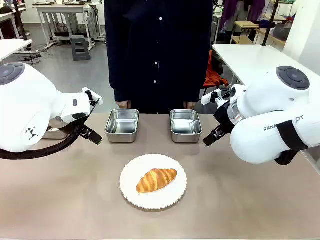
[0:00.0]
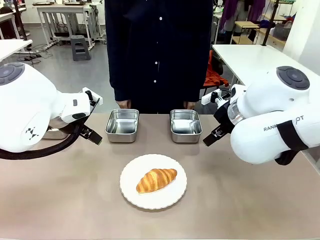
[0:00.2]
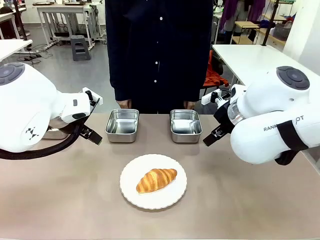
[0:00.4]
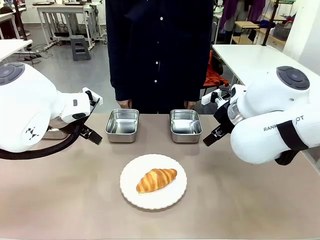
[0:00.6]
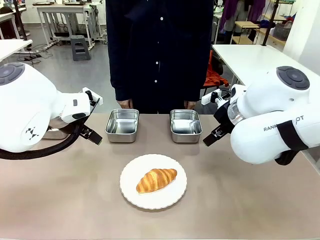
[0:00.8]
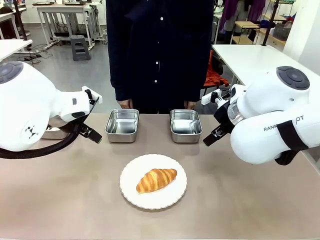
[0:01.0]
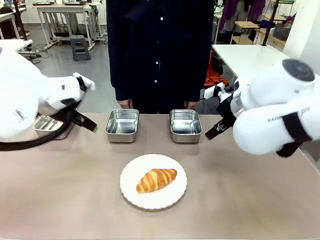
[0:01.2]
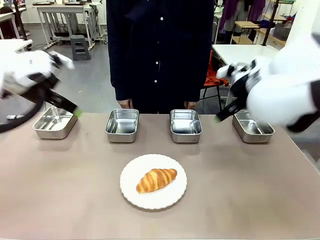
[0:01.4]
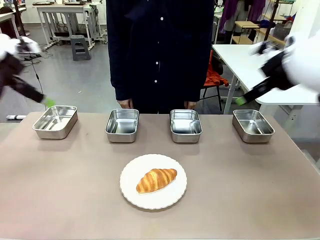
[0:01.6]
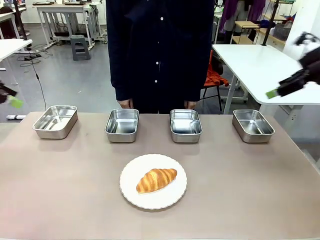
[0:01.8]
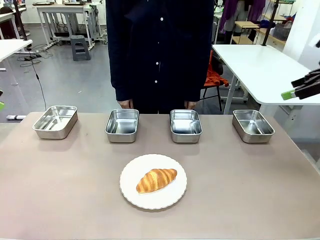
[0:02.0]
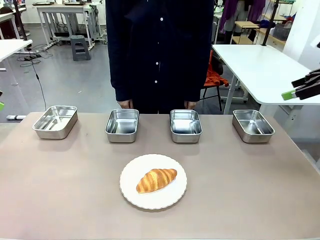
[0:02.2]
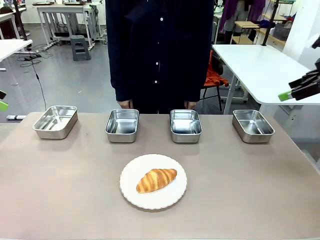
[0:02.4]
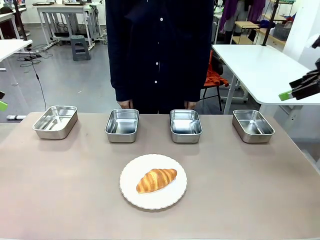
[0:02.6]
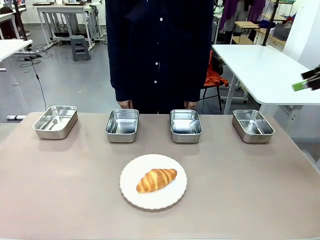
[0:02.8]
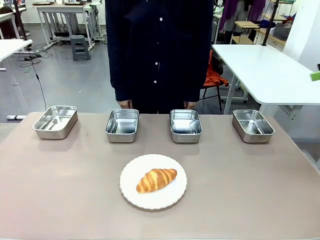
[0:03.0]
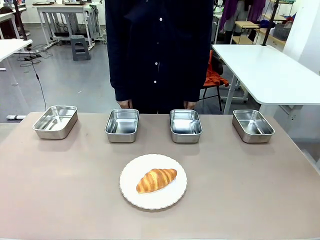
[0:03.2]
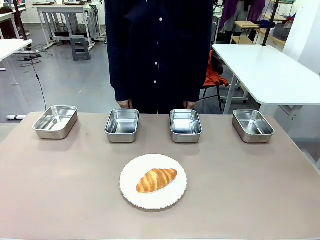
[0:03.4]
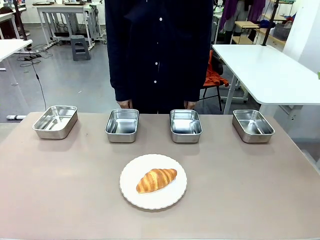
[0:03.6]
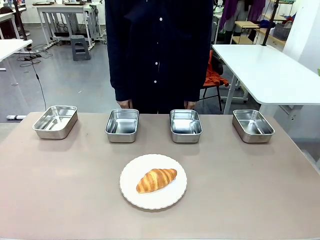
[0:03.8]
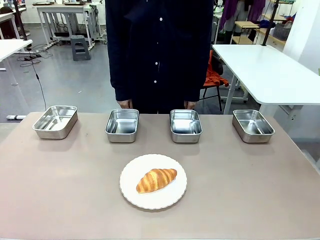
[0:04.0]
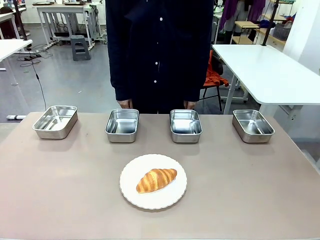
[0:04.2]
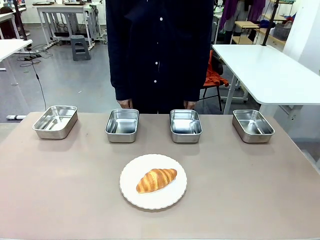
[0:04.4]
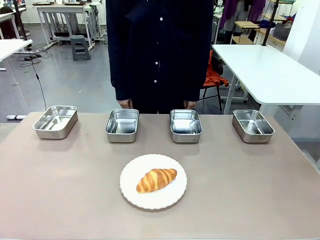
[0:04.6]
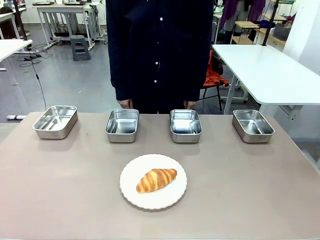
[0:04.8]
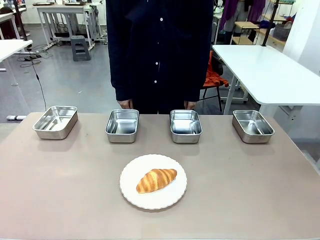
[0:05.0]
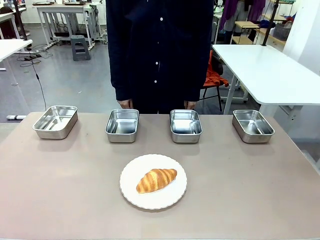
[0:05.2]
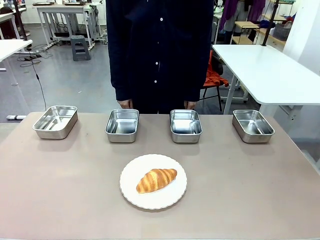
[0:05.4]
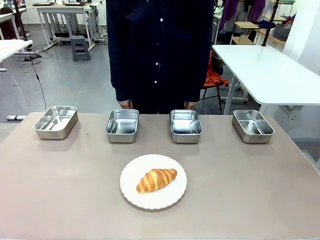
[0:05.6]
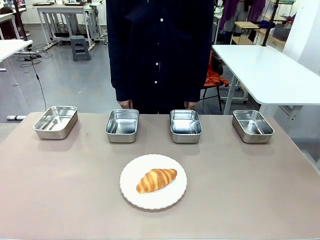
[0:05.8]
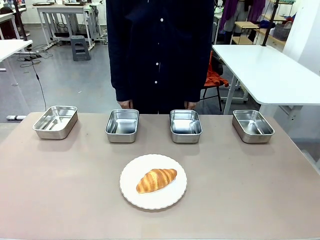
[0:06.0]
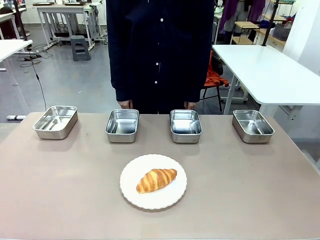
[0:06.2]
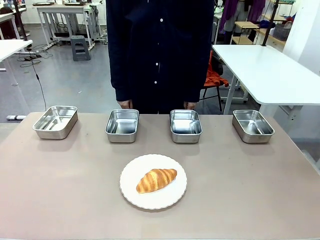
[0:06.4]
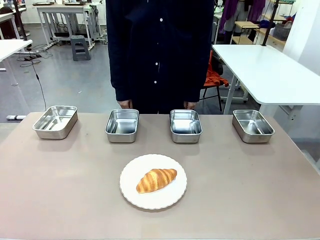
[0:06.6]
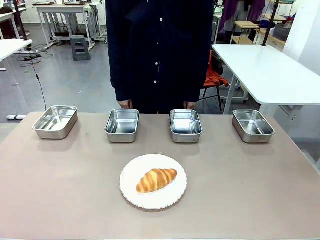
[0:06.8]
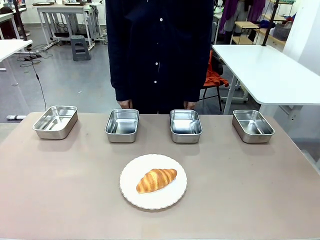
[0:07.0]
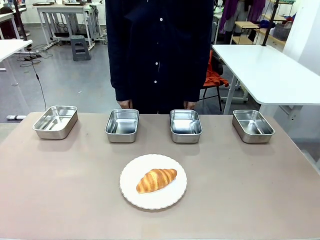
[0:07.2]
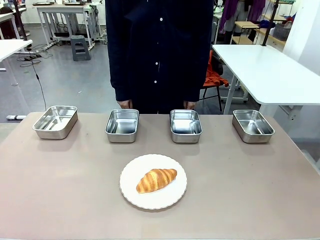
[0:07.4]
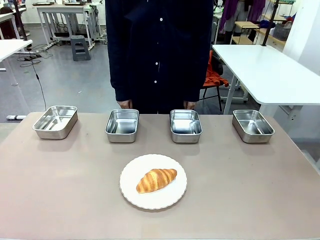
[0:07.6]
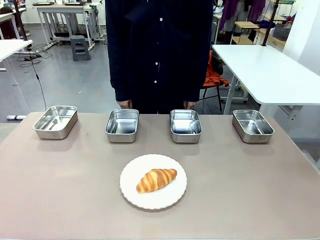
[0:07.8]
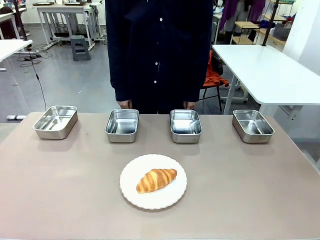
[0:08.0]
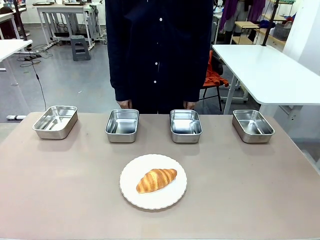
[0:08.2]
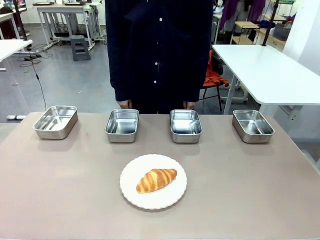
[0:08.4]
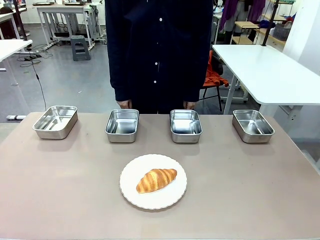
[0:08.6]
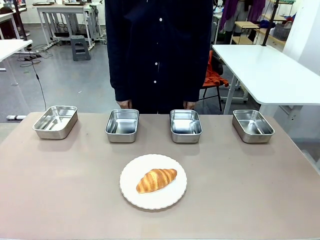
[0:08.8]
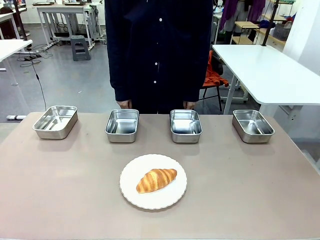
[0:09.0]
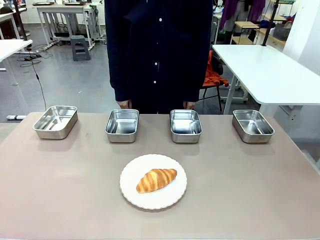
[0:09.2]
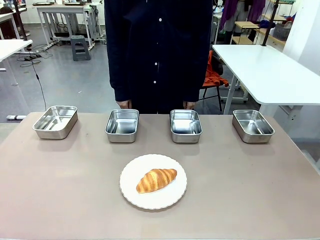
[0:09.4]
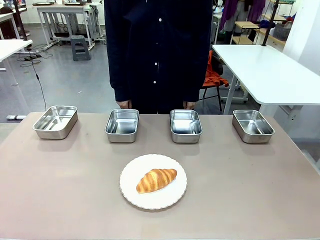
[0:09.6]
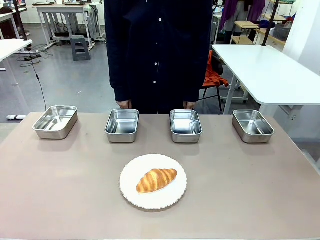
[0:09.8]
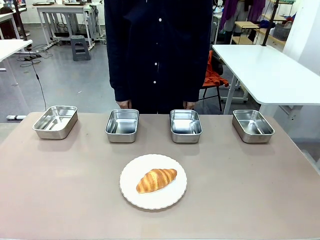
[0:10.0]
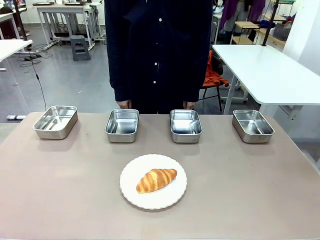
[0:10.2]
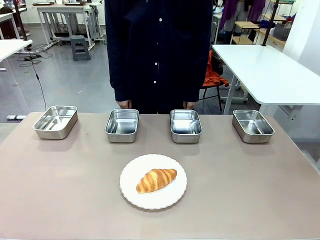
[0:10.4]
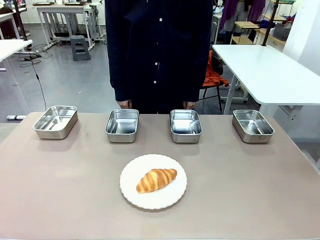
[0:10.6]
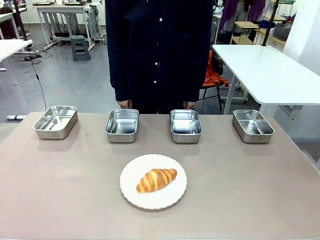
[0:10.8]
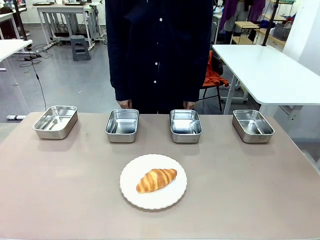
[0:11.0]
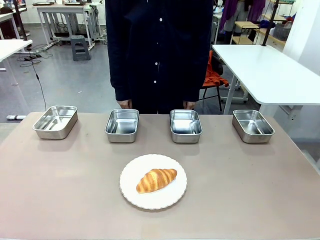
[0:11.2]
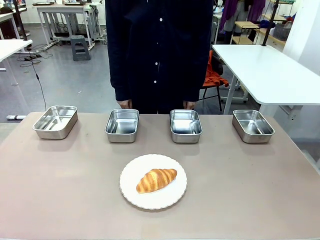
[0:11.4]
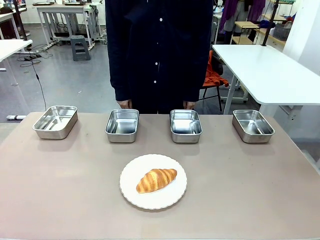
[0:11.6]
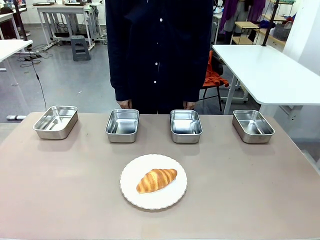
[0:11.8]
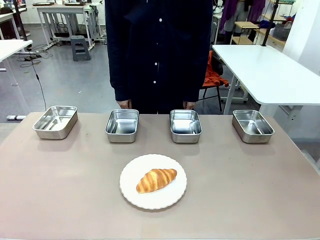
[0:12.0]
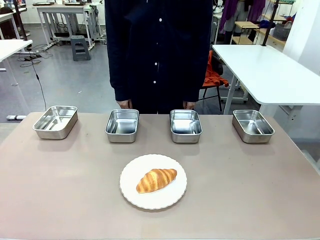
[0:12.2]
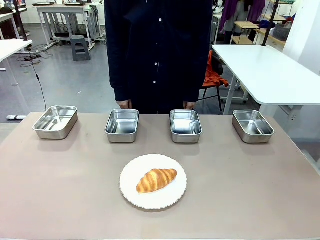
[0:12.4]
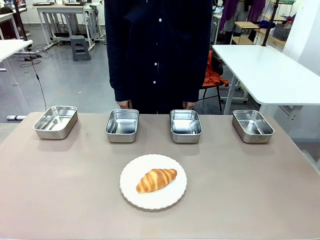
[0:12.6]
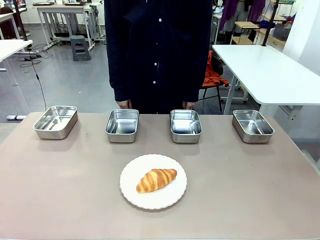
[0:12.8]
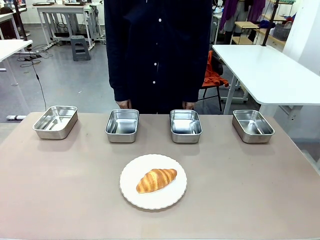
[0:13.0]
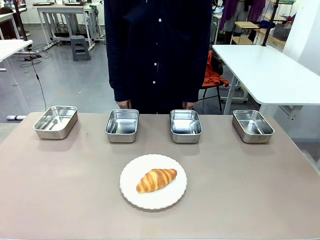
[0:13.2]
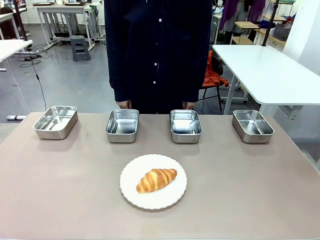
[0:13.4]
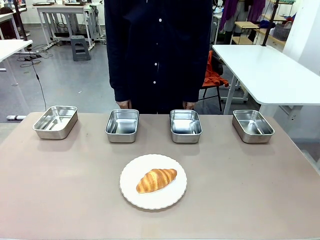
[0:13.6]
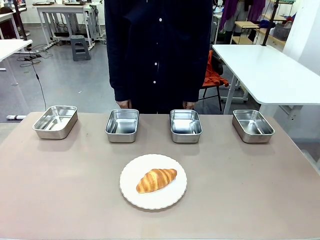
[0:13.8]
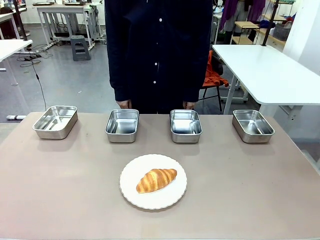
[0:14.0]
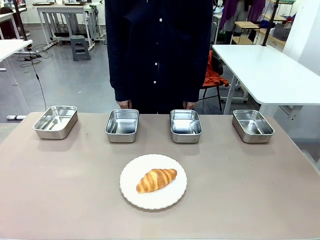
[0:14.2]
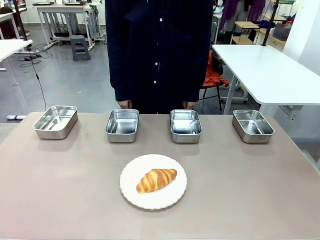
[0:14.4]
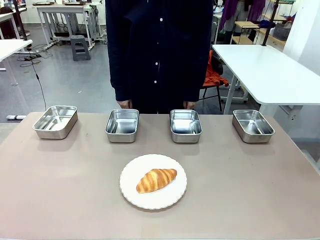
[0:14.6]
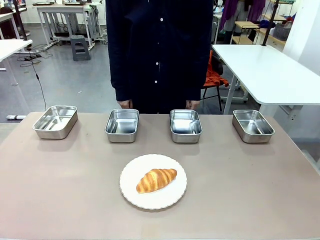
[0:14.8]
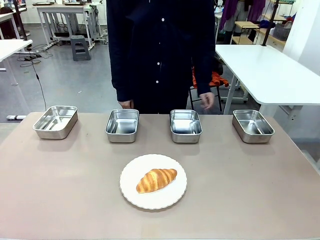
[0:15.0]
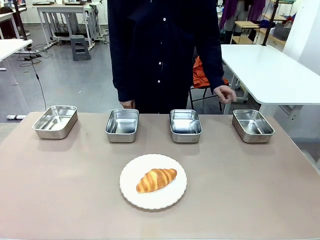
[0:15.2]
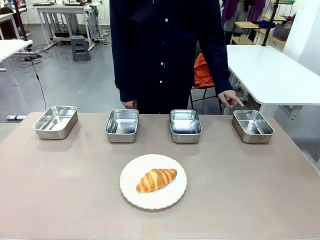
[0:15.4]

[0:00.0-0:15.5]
Task: Place the bread in the container.
Robot: Place the Butter Roll into the Airtight Container indicated by the human.

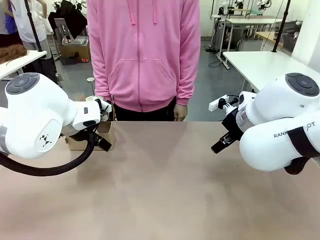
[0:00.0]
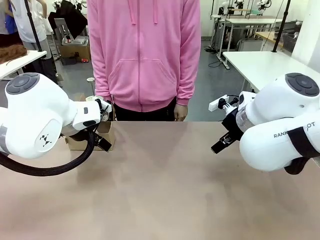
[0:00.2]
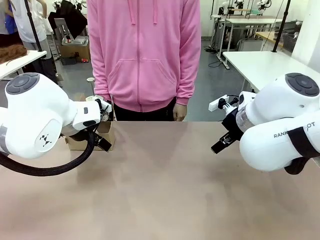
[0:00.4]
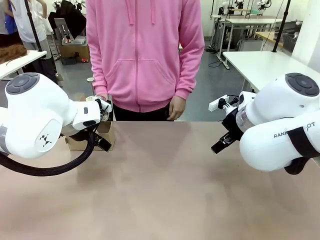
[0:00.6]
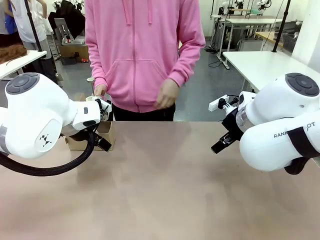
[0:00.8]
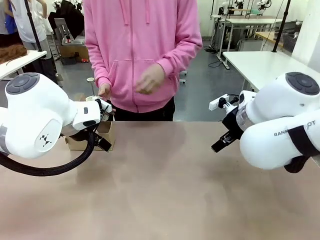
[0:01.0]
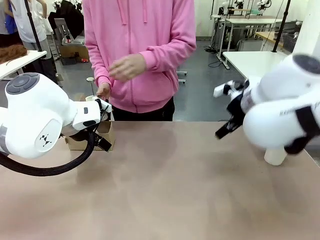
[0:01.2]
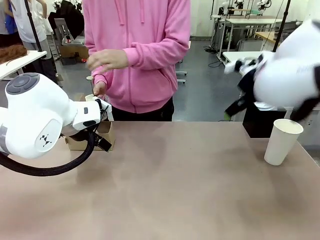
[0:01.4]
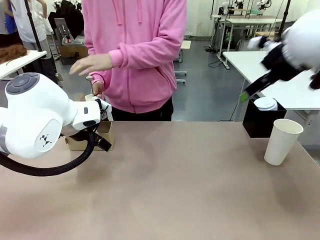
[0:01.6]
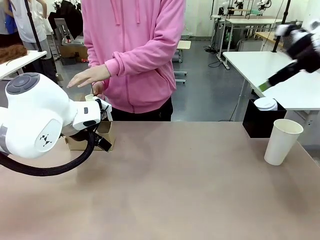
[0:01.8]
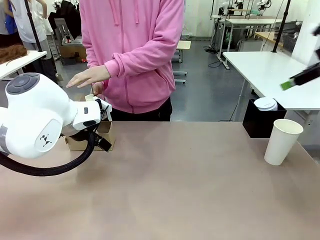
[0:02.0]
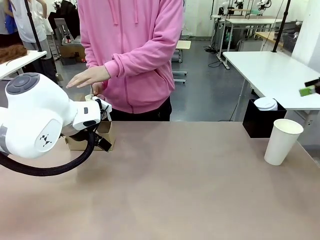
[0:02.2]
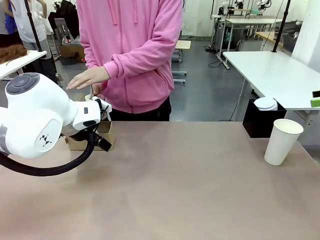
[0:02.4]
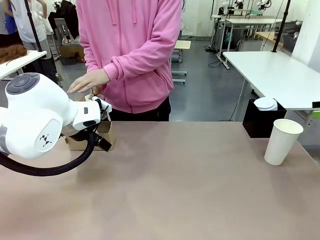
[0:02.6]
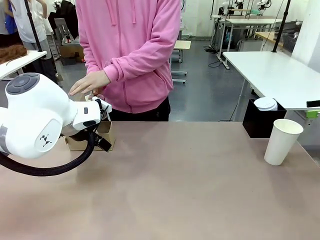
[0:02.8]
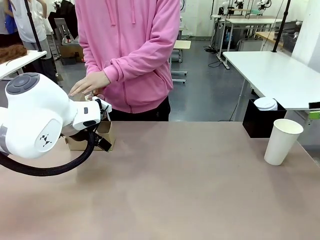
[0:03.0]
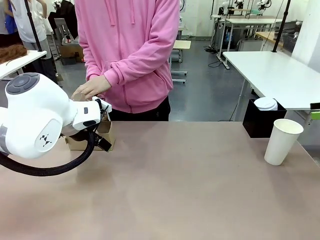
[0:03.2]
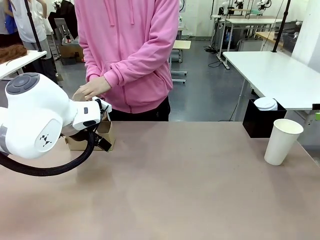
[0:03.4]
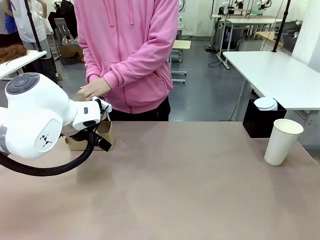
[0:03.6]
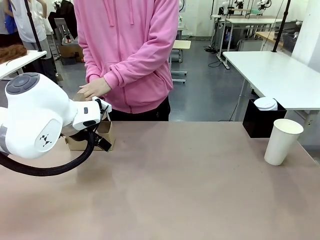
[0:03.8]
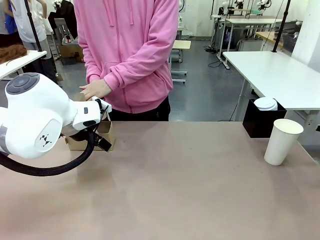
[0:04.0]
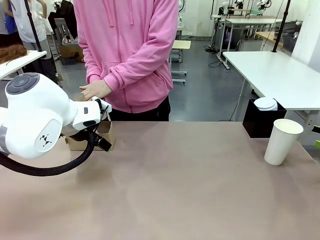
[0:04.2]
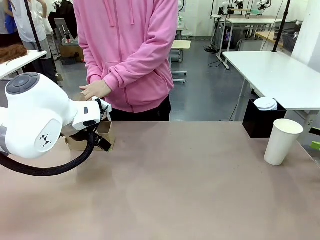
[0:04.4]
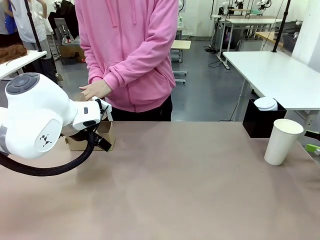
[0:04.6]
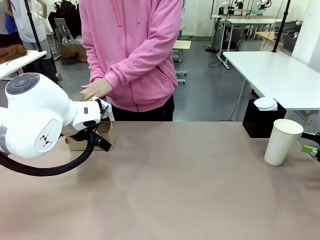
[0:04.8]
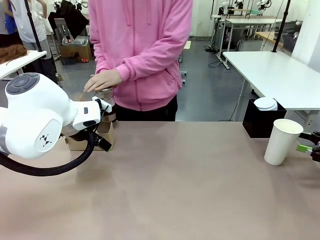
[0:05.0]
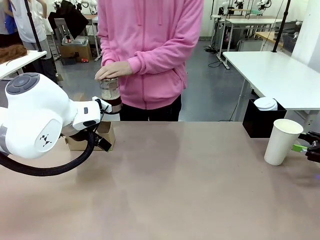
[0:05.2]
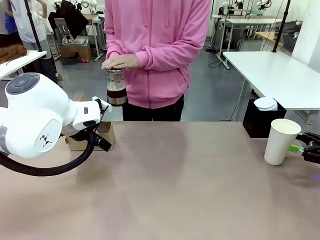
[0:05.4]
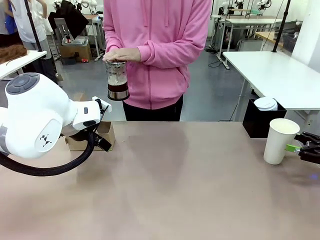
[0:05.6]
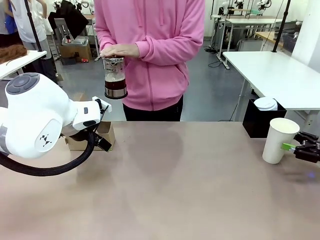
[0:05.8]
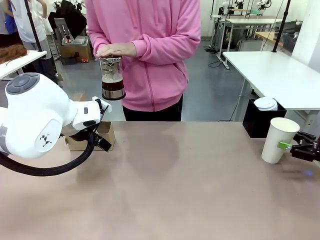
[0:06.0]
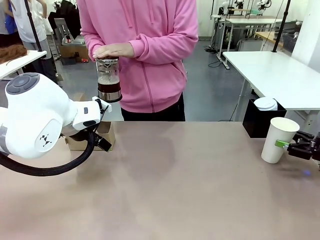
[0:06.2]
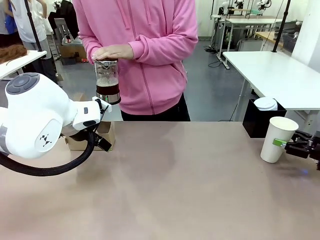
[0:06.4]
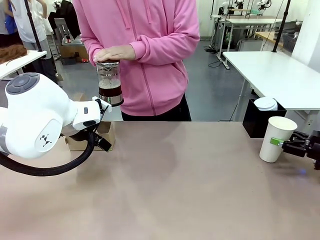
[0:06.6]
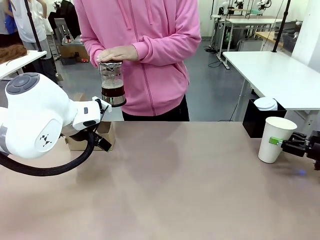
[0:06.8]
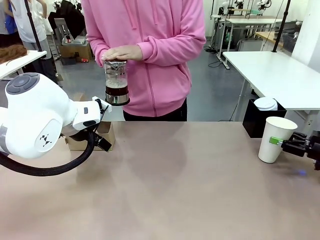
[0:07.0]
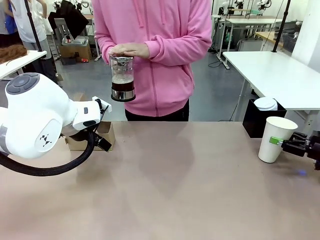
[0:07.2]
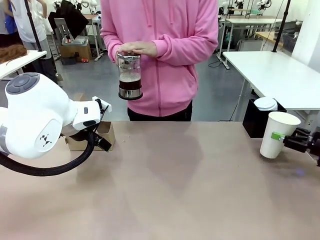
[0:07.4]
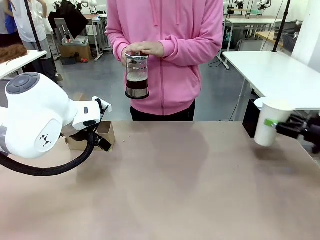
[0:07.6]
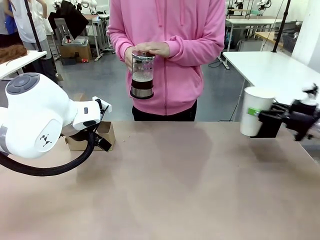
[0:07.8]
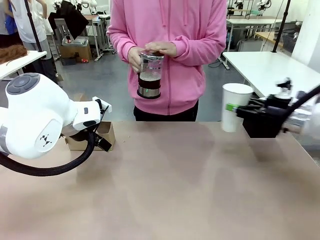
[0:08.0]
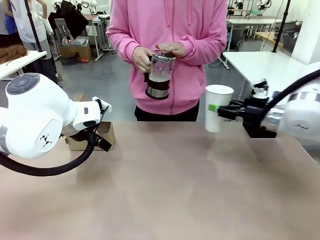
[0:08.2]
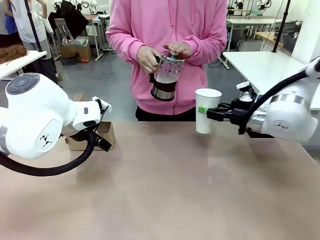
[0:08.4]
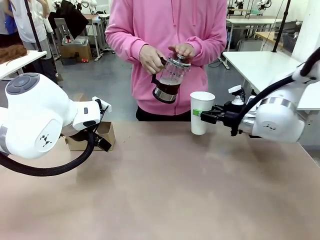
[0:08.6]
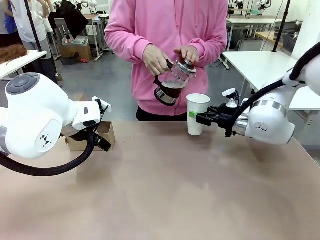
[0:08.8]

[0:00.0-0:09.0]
Task: Pour a drink into a cup and package it in a carrier.
Robot: Pick up the 600 ml Paper Cup and place it in the middle top area of the table.
Person: Press and pick up the Filter Brewing.
